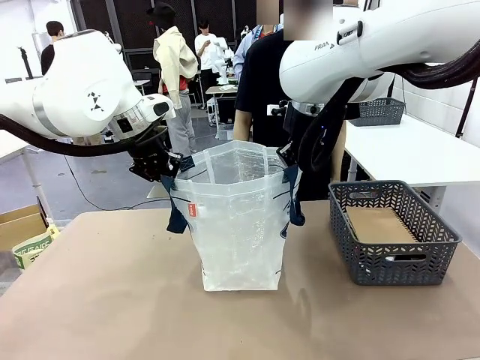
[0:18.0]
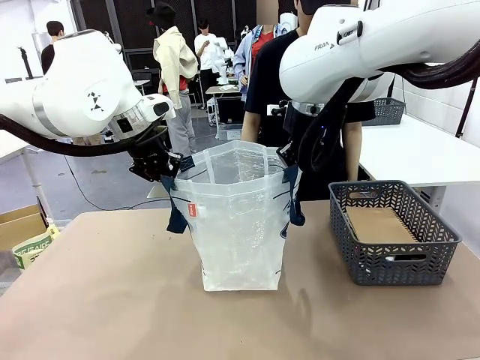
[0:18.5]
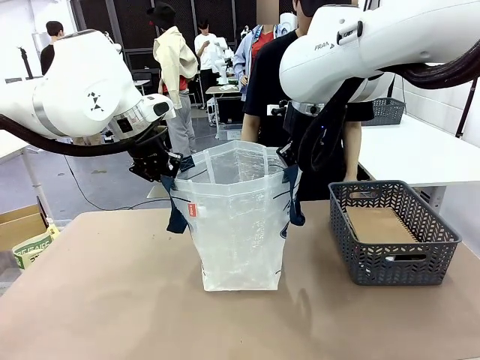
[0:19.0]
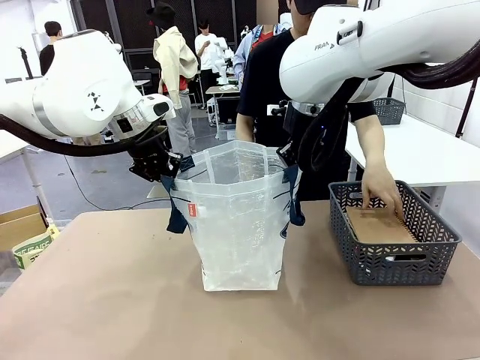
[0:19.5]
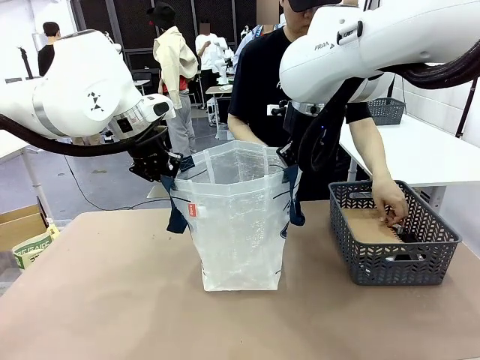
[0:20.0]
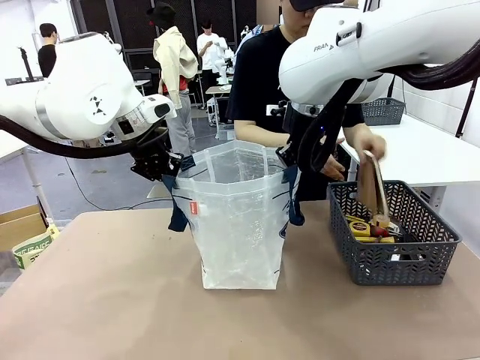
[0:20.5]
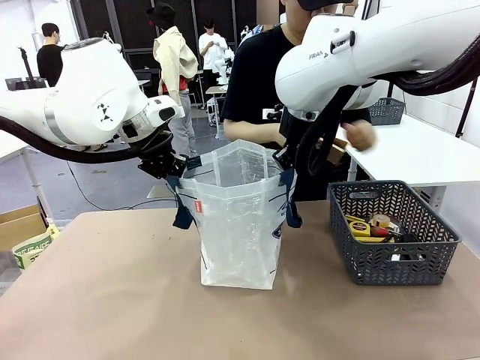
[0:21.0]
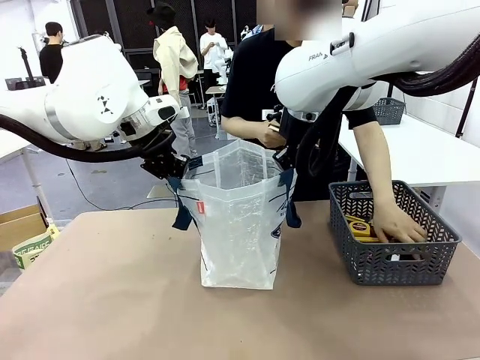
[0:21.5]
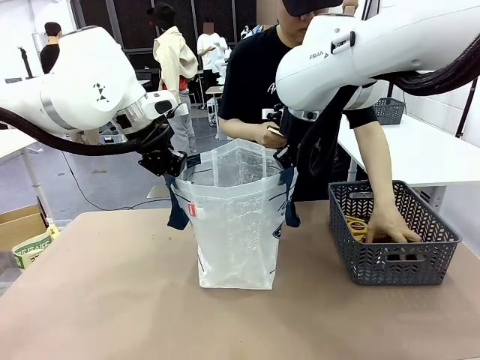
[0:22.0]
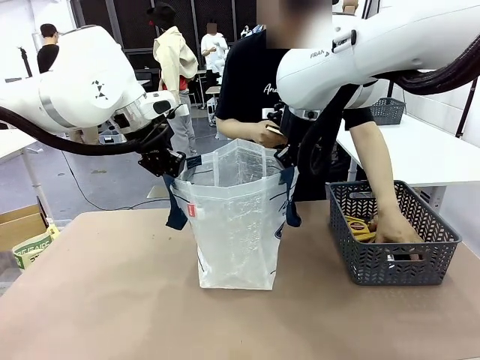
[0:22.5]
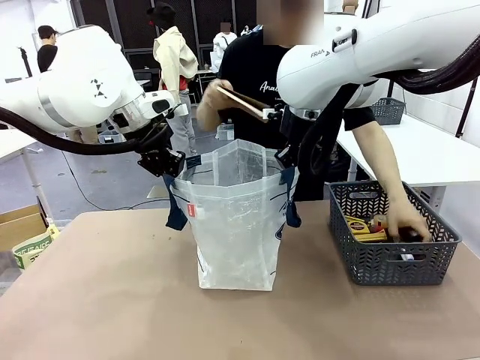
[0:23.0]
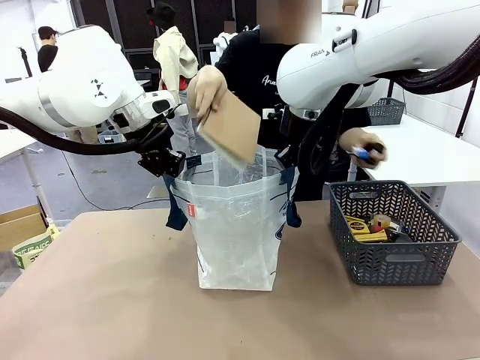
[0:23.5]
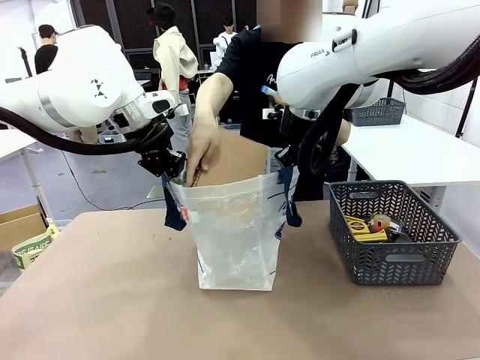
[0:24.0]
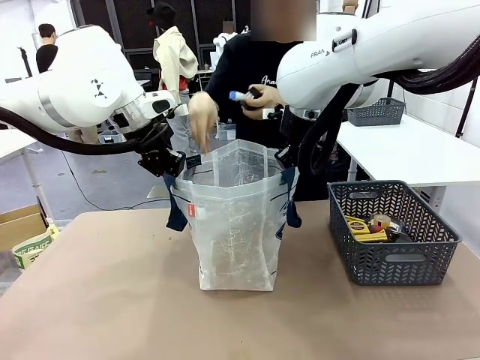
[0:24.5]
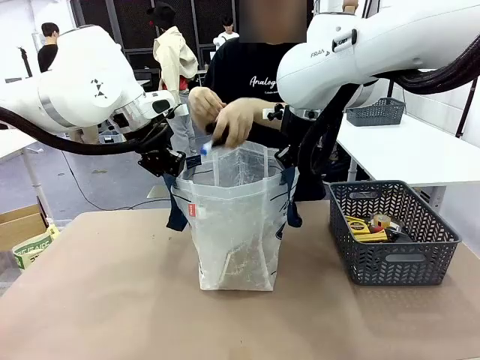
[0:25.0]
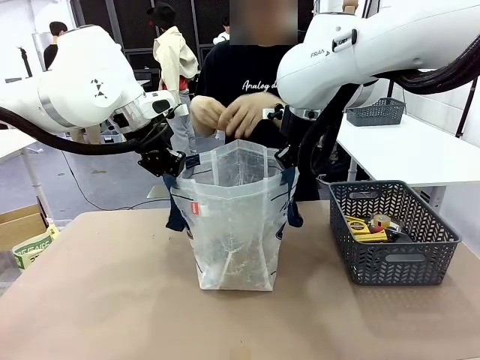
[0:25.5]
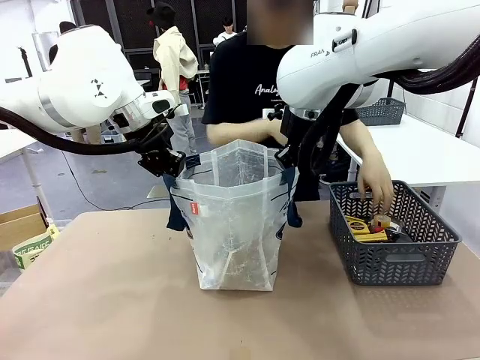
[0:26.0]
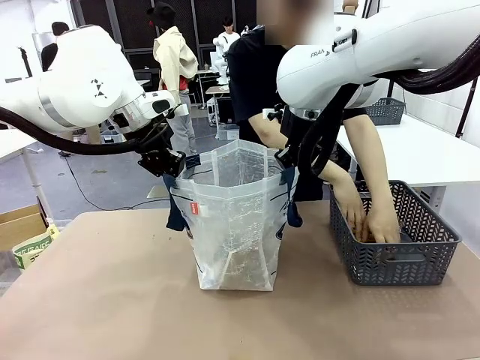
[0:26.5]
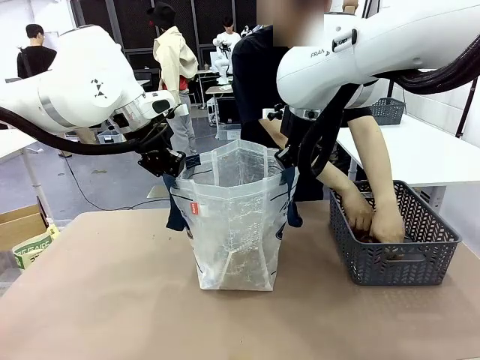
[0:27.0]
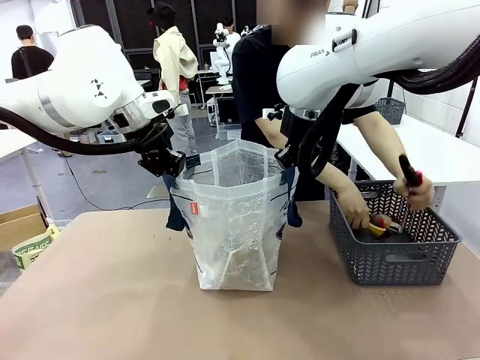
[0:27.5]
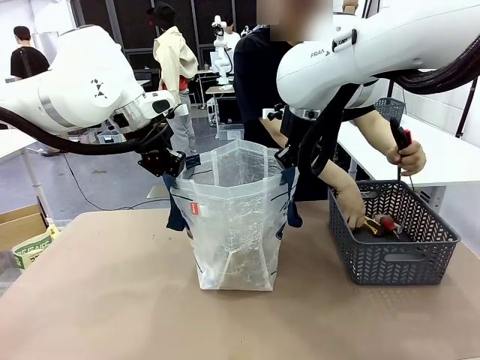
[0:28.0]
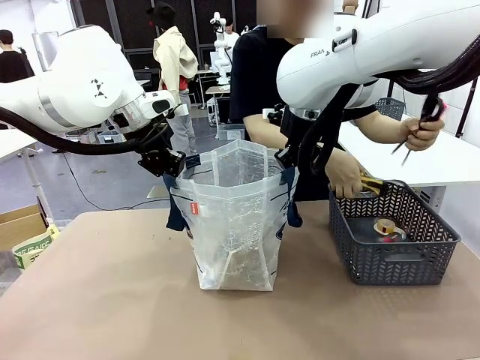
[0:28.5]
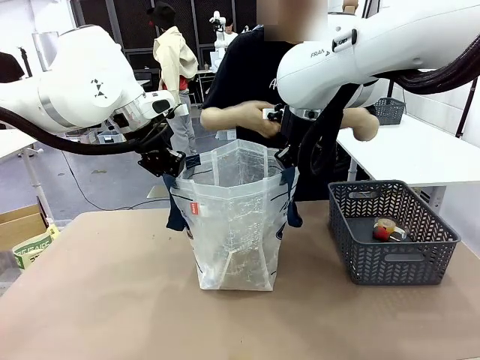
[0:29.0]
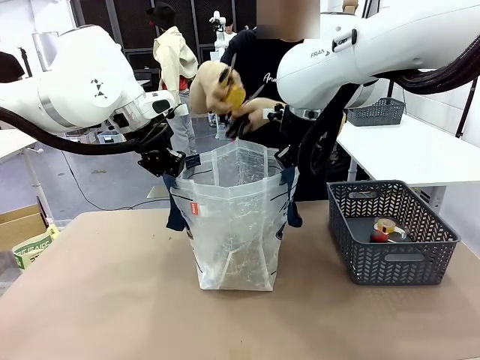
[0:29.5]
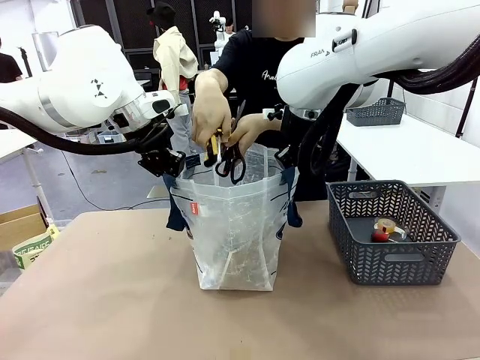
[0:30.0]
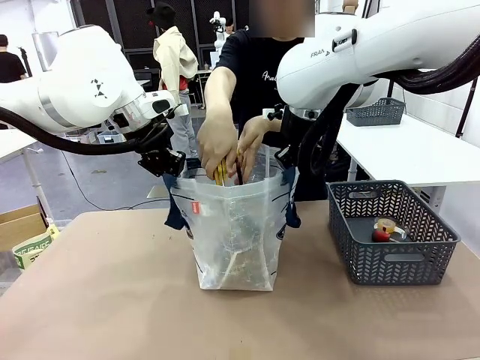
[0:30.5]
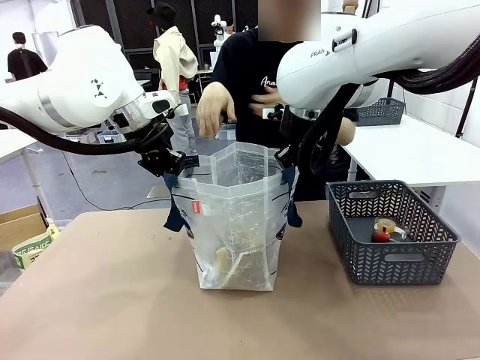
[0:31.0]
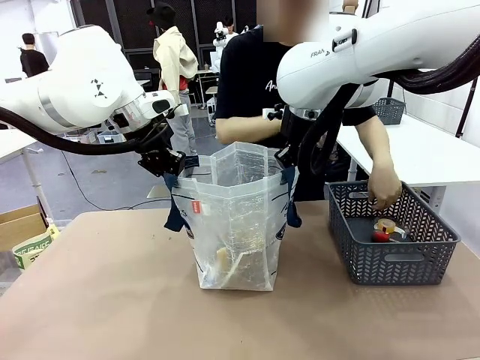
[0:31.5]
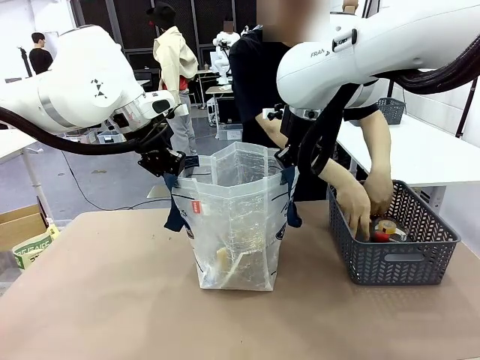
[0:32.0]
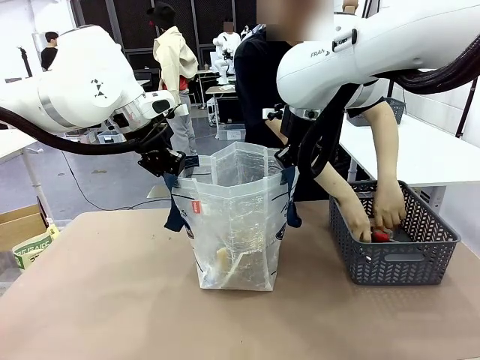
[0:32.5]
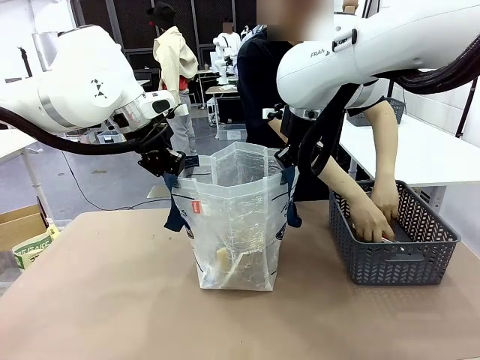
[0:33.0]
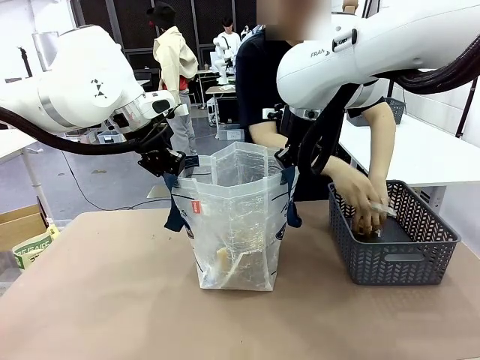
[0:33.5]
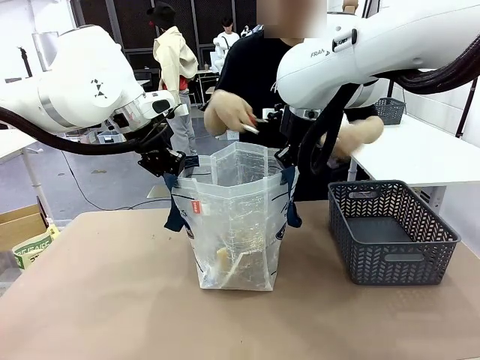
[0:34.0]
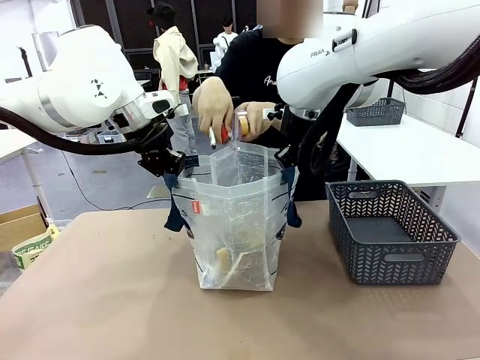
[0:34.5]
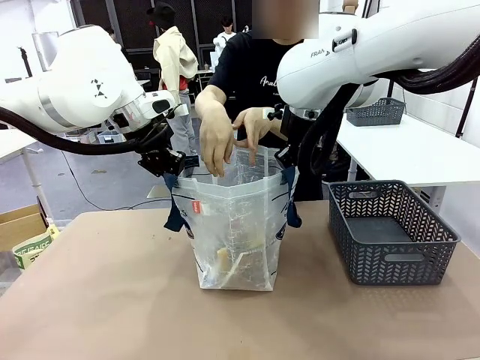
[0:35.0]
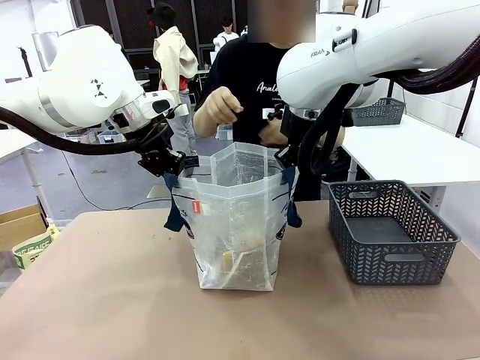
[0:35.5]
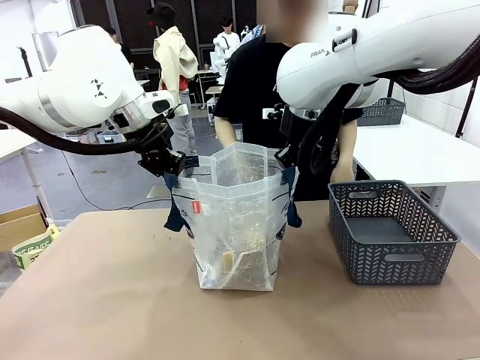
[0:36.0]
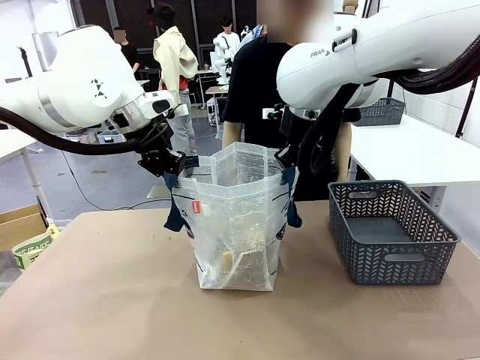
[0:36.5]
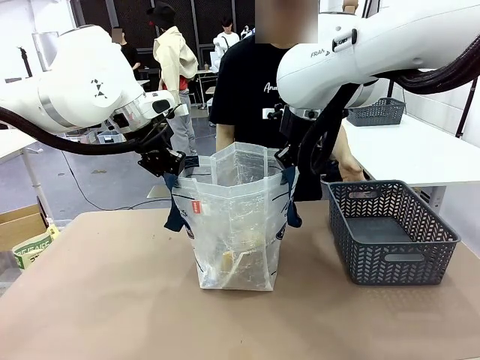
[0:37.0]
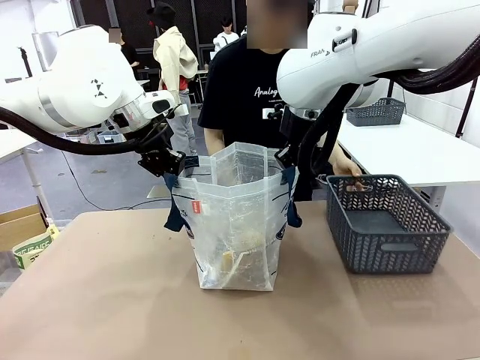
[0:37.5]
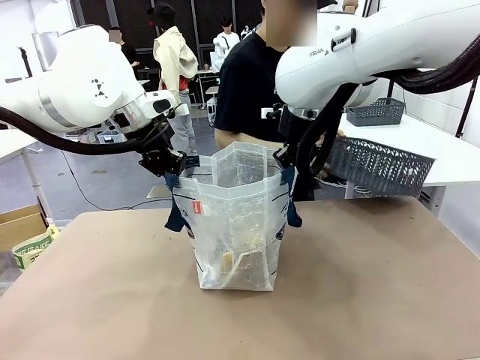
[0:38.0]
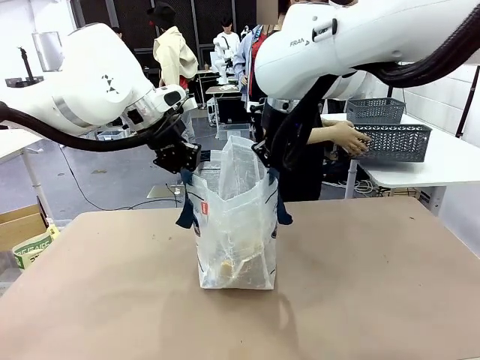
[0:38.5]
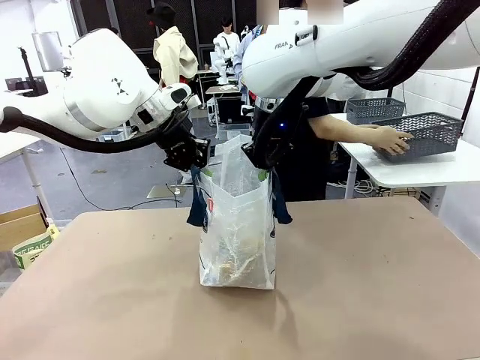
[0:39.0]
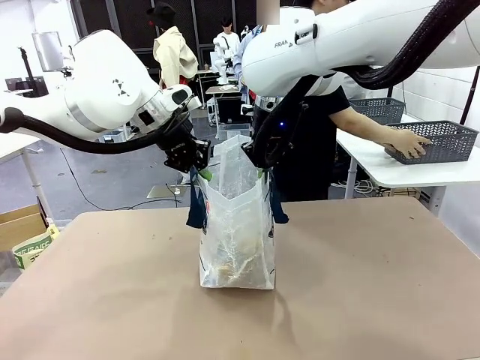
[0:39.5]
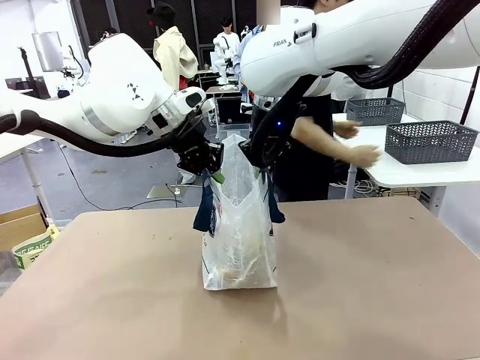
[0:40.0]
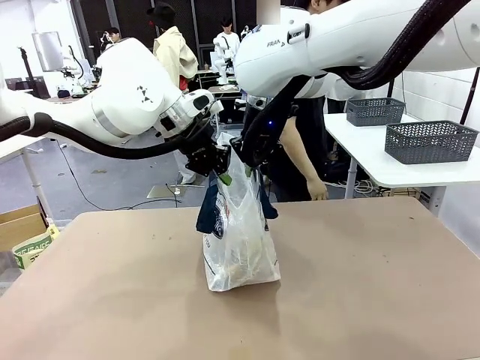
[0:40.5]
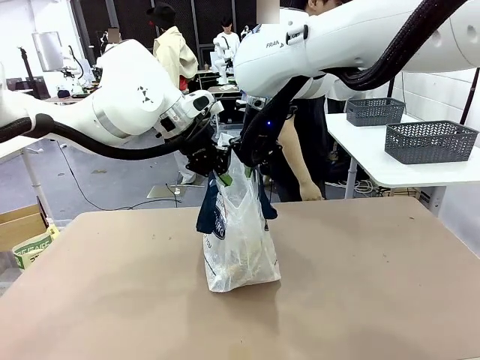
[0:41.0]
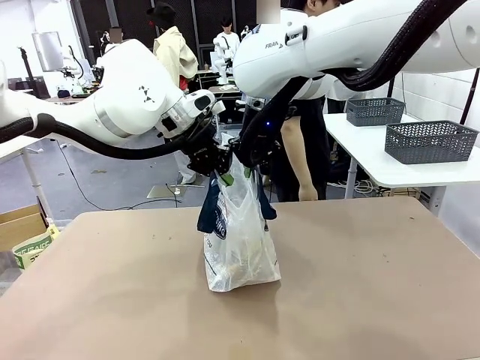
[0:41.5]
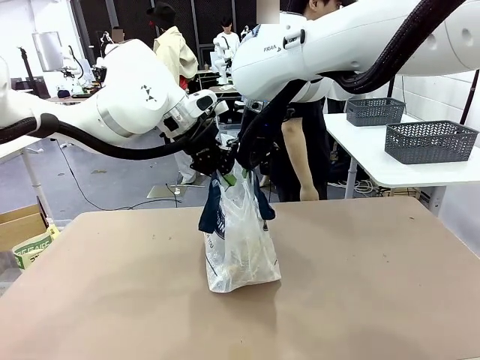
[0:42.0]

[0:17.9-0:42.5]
Task: Transfer purchased items from the store into the shopping bag.
Robot: Move the Reusable shopping bag to the right side of the table.
Person: Pick up the basket on the right, place it on the left side of the robot table, and move the items in the basket to the shopping bag. Pick up the basket with the items out and place it on the right side of the human table.
